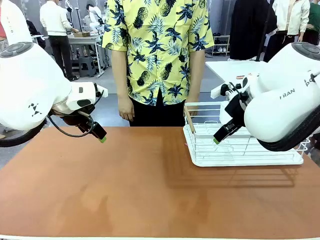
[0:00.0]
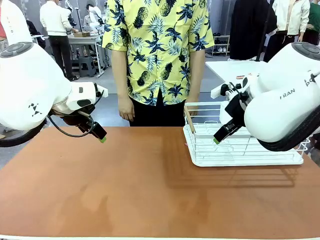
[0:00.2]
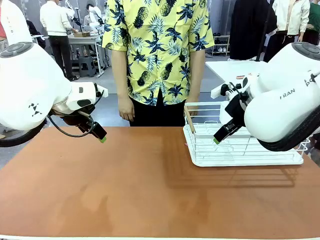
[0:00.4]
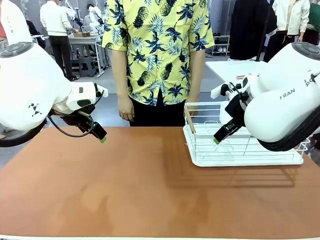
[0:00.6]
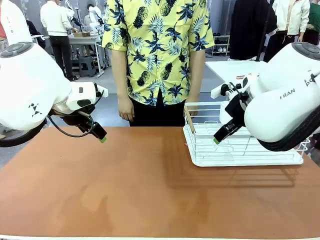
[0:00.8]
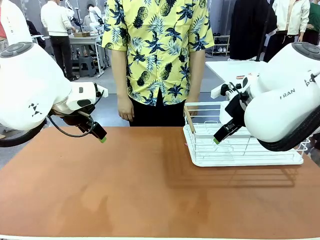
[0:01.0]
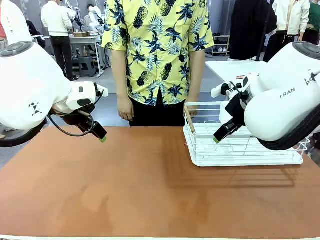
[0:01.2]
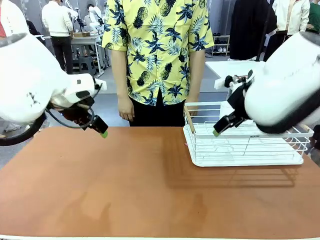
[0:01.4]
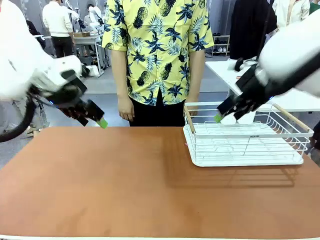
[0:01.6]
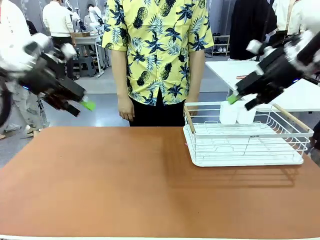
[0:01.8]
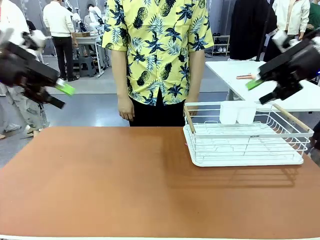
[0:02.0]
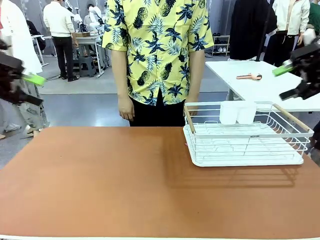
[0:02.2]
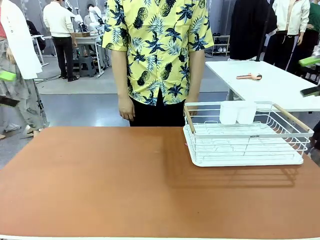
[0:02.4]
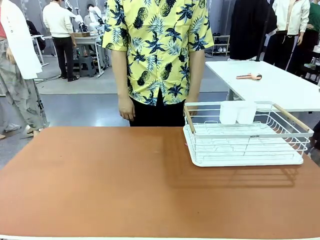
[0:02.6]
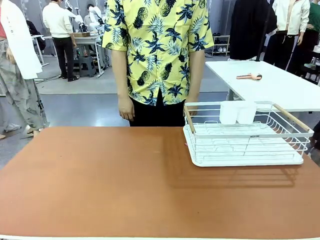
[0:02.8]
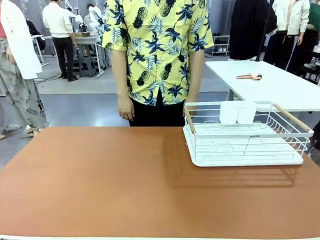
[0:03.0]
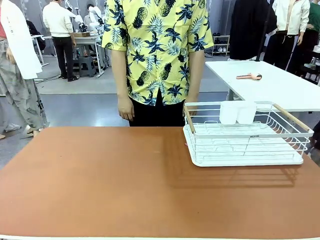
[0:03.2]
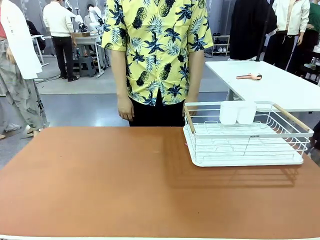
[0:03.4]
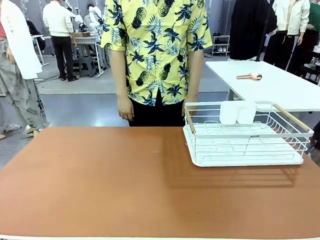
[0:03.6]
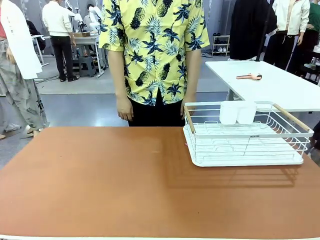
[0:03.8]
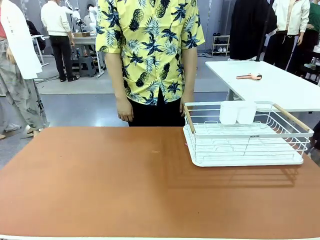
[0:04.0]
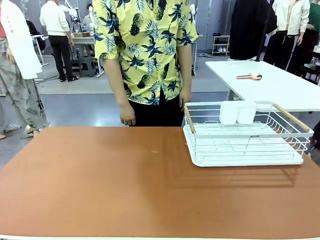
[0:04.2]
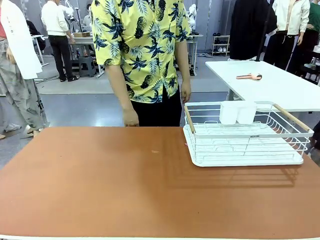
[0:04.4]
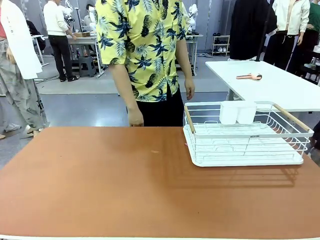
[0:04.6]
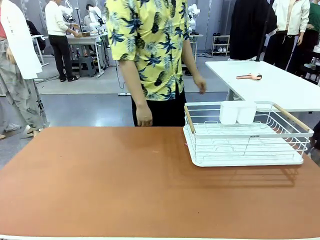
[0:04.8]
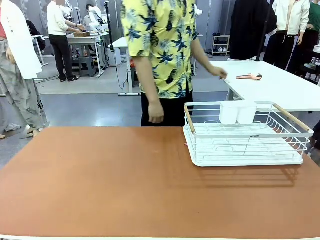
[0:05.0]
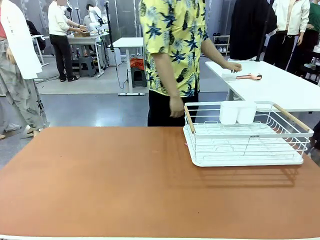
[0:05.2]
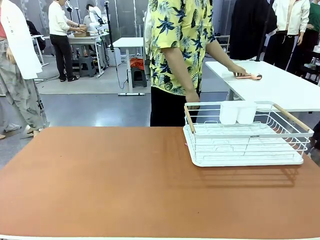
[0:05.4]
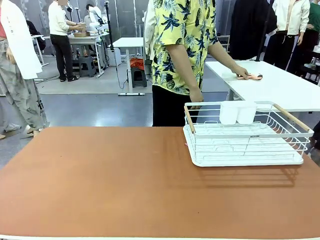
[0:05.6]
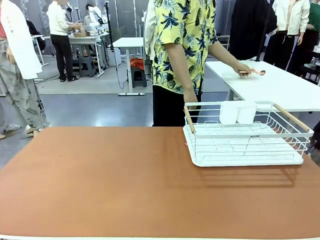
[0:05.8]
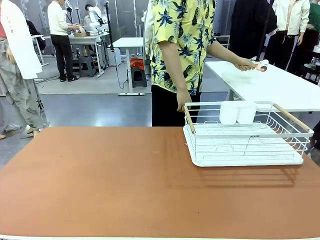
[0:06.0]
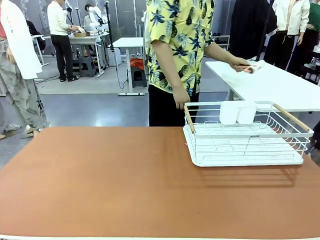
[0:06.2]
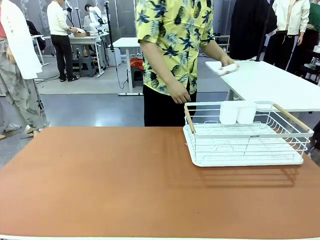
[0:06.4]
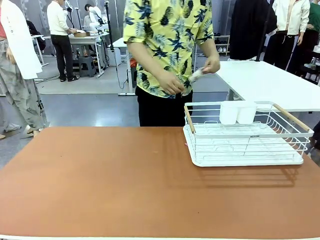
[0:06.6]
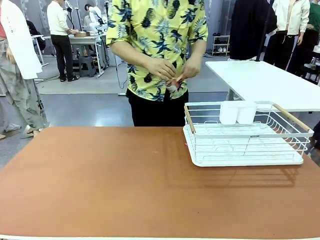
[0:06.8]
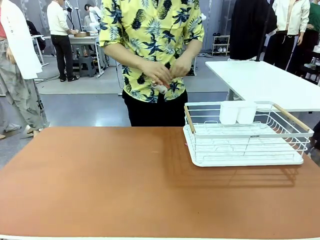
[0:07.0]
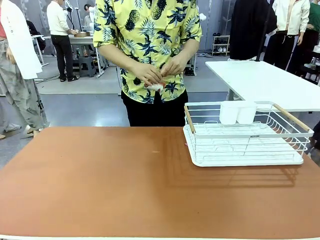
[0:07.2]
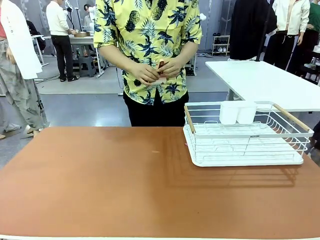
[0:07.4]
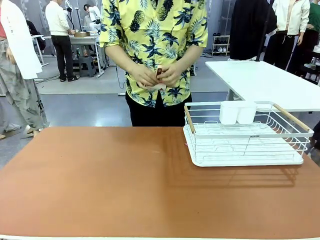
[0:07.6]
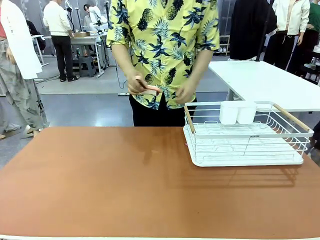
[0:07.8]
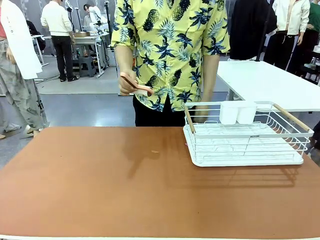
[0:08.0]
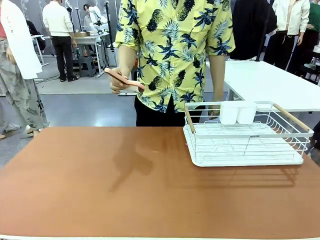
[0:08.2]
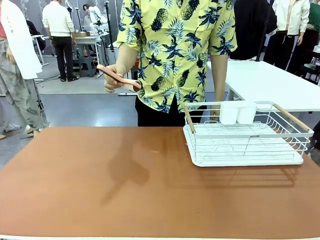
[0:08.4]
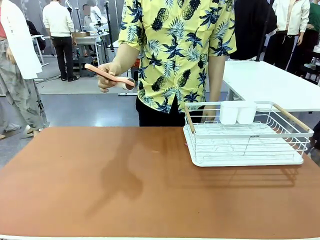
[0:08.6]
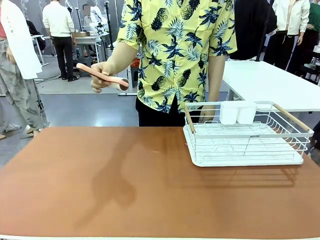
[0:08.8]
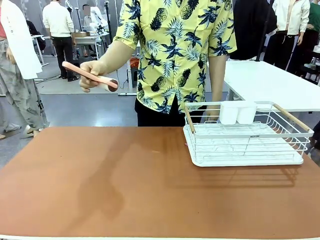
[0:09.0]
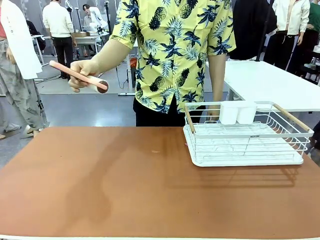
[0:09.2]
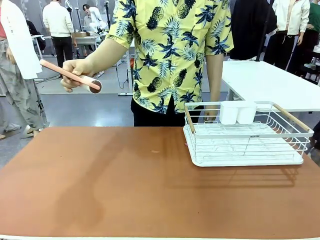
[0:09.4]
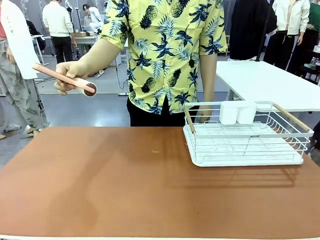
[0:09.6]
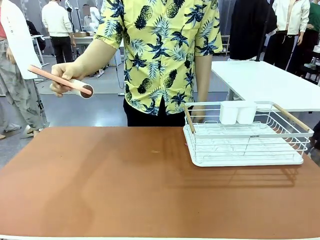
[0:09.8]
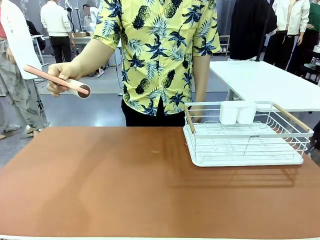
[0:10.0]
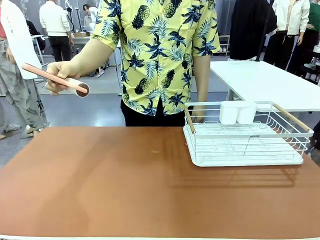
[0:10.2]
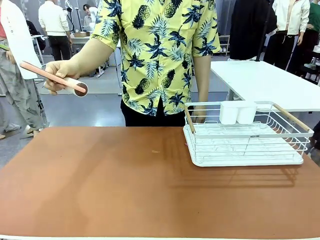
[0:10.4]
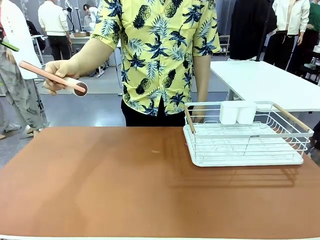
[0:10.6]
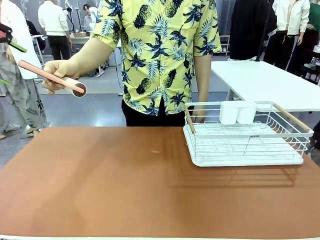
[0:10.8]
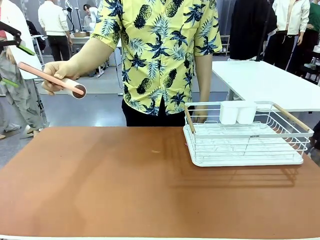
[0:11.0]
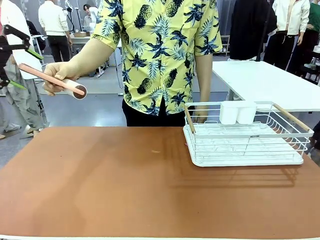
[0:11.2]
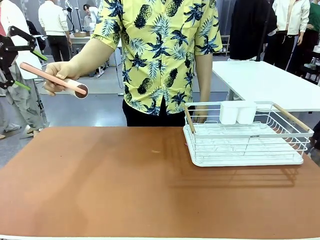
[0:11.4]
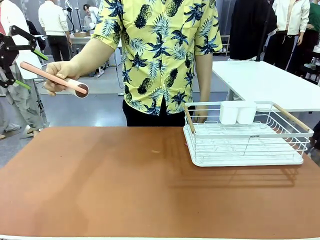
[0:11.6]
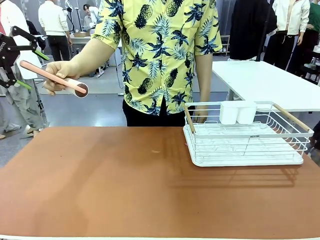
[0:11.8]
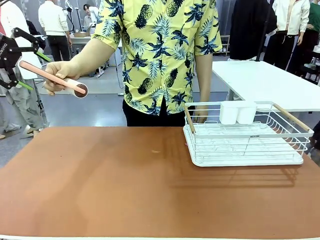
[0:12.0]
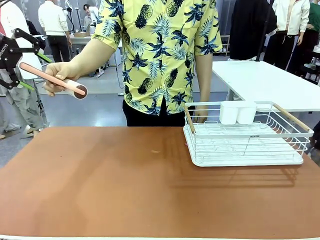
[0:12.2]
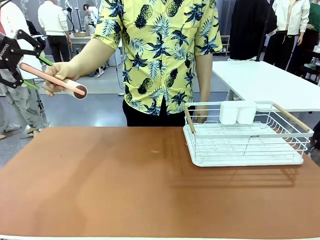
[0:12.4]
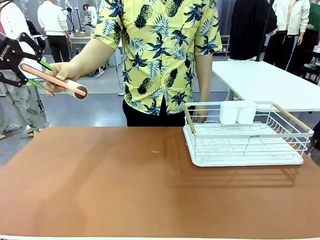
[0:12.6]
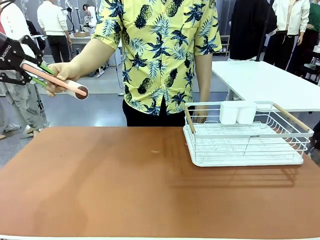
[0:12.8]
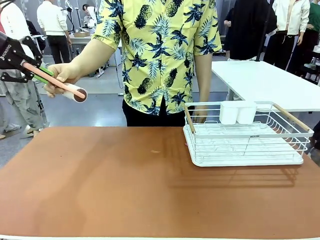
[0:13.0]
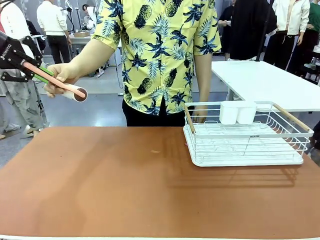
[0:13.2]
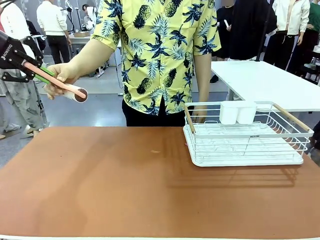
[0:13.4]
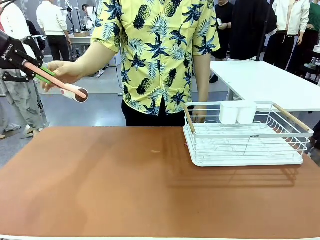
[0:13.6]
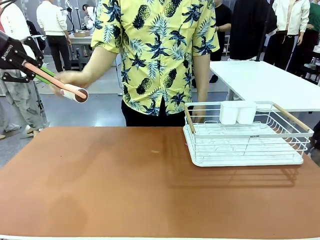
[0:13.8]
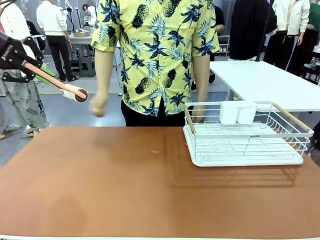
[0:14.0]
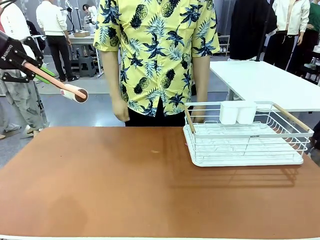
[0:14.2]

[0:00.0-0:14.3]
Task: Clean the table.
Robot: Pick up the Lint Roller when the human hands it over.
Person: Hand the Lint Roller to the robot so it can easily pick it up. Lift the Dish drying rack.
